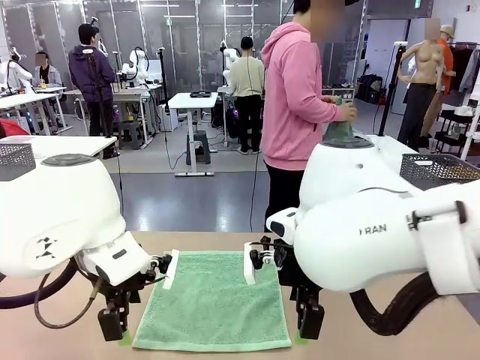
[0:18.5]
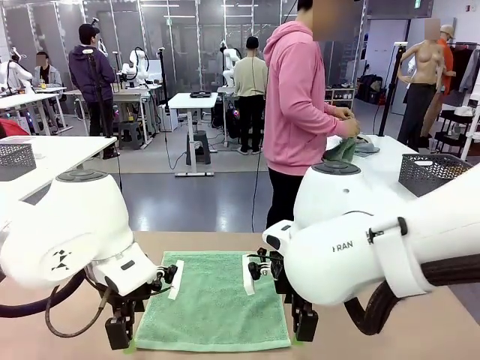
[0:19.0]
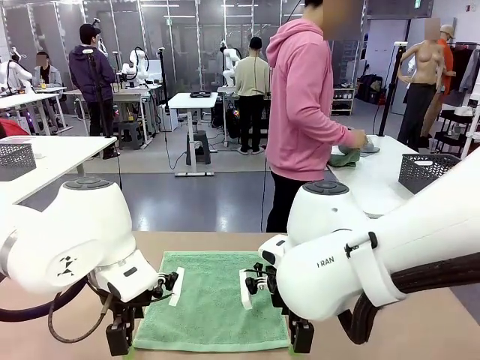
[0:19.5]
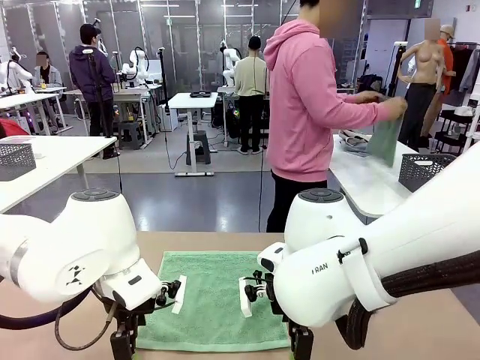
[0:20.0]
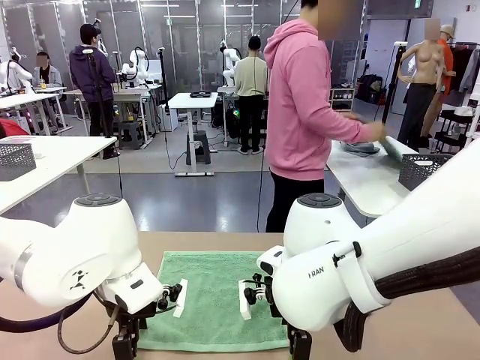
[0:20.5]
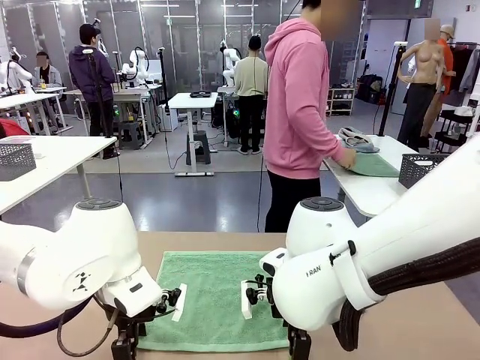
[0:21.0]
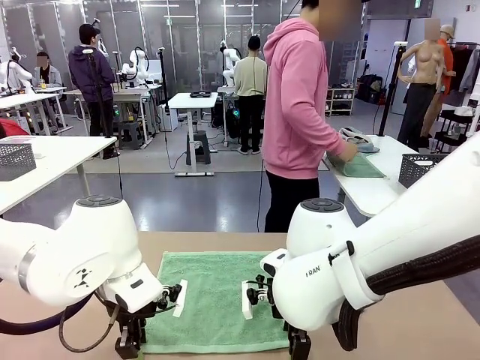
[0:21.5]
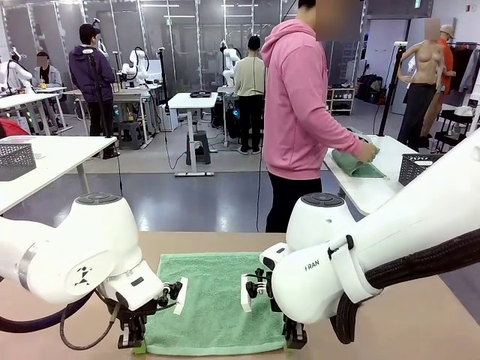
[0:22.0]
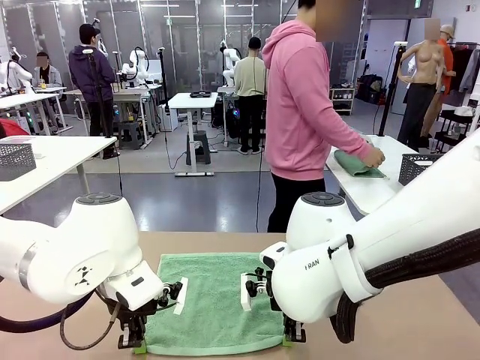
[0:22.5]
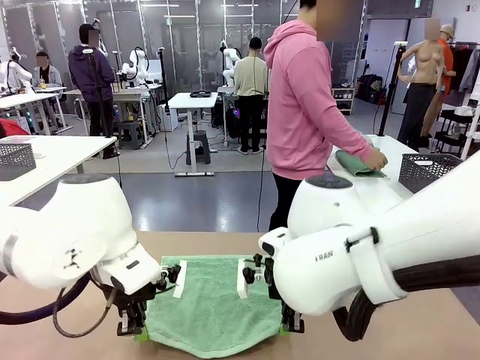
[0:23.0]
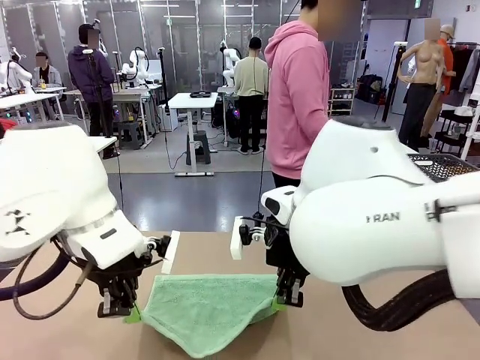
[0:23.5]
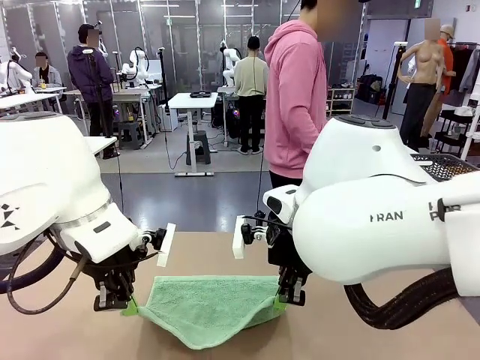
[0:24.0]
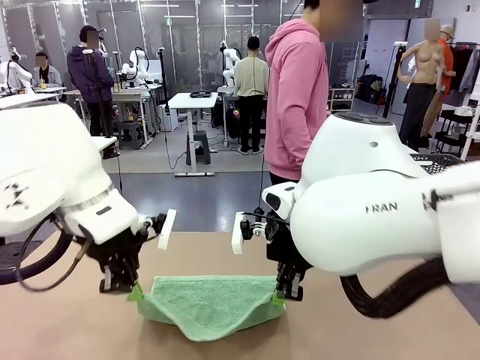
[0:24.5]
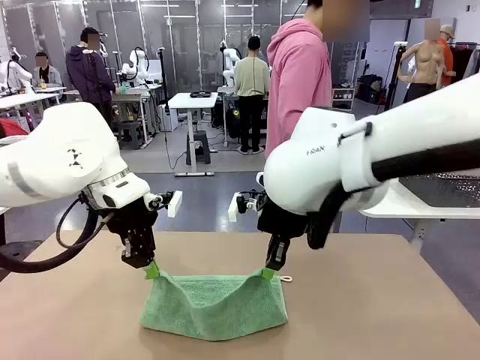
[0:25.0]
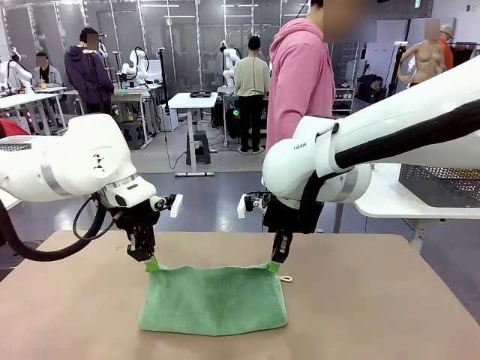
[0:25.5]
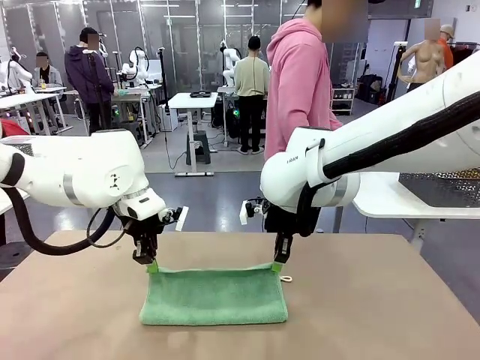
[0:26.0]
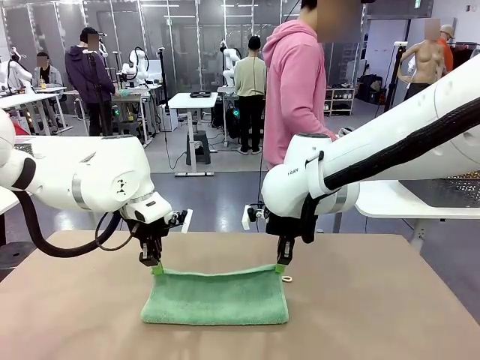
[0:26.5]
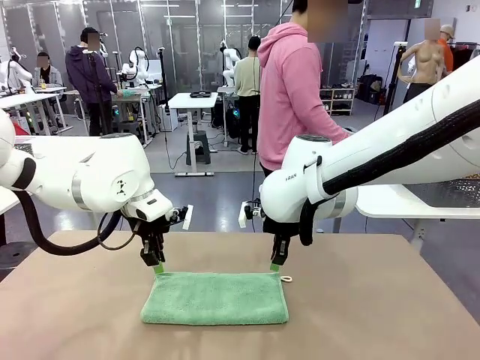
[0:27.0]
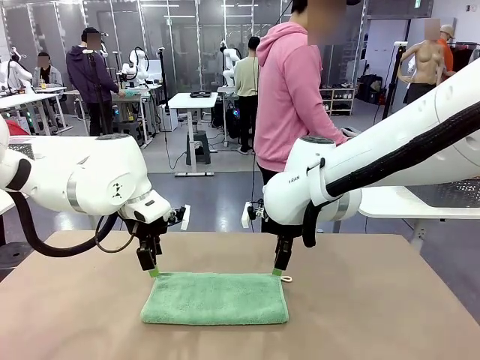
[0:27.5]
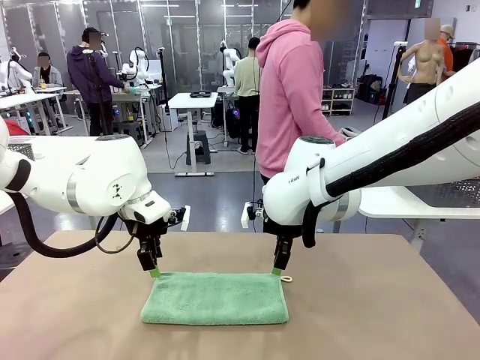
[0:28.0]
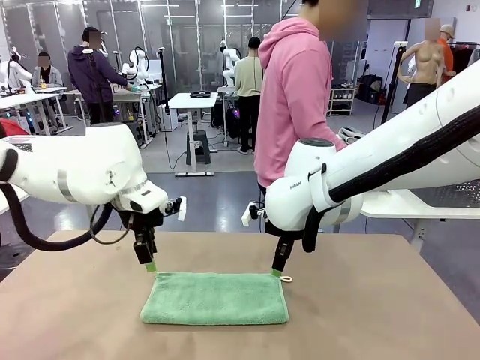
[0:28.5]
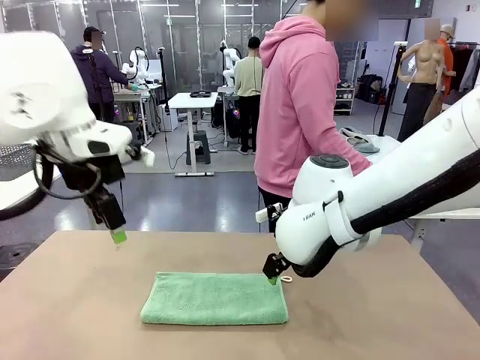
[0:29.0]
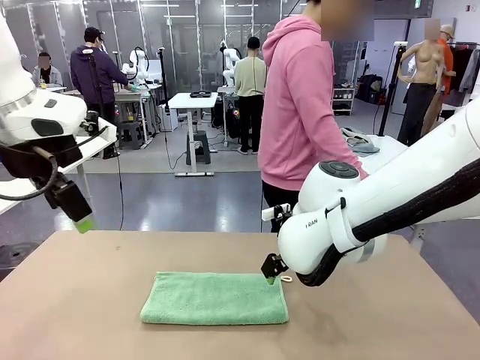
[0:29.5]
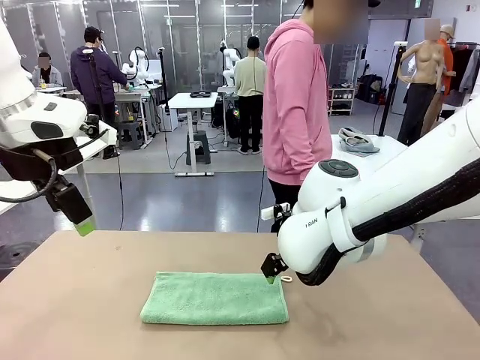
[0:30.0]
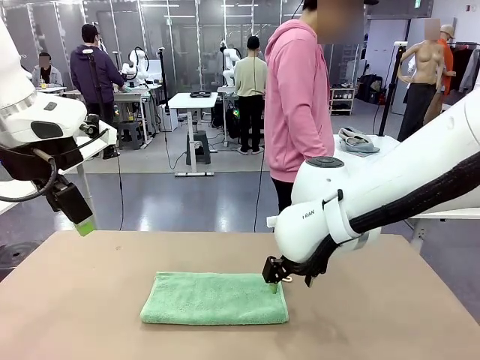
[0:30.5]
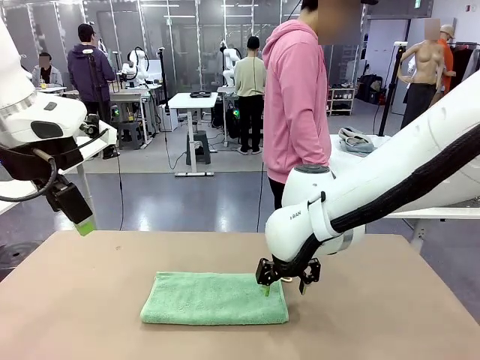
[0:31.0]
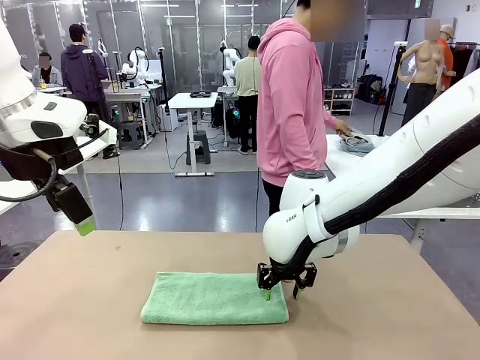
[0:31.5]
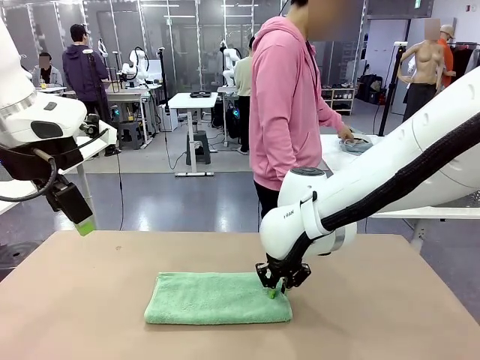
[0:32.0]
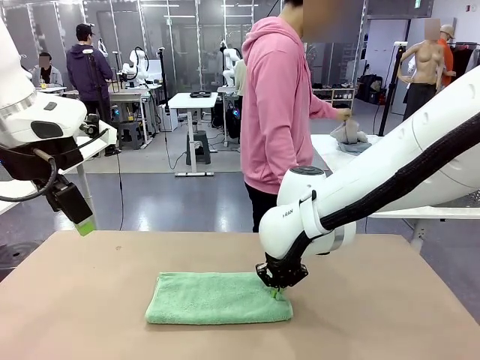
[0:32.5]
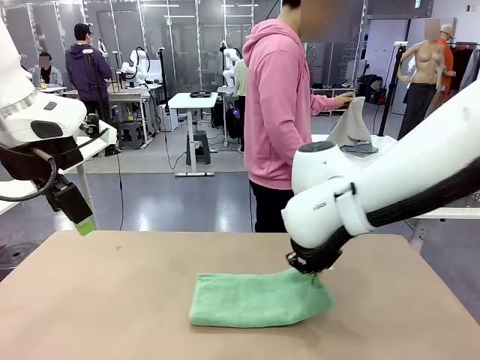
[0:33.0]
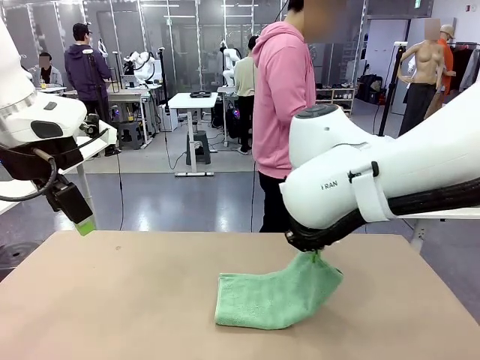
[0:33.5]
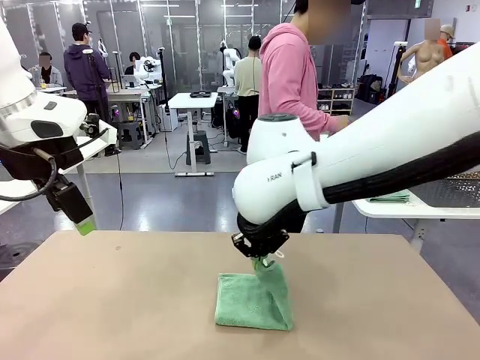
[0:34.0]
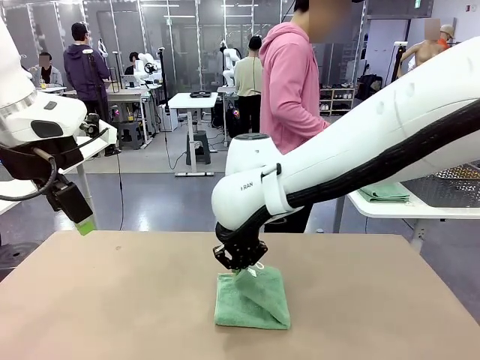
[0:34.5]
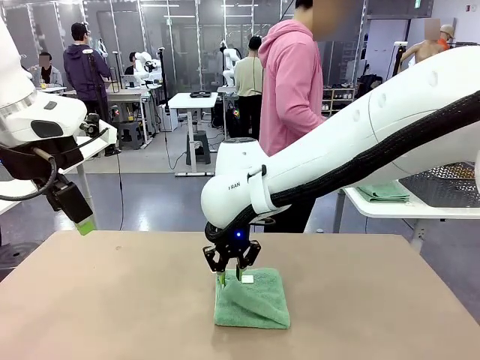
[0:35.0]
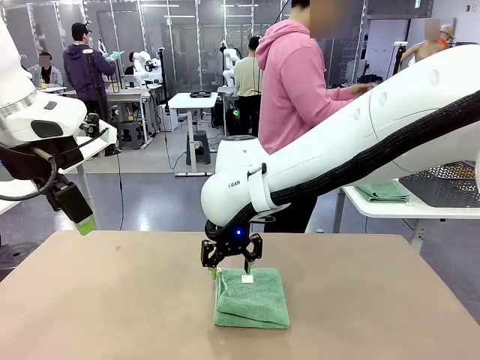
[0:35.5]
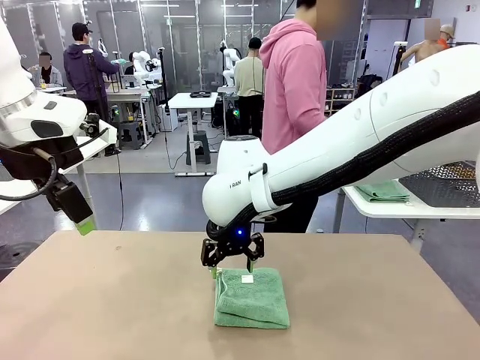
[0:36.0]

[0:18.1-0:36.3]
Task: Fold the towels and place them in the basket.
Robot: When a person lays out a Towel with hook on the table, fold it in half twice.
Person: Pick up one towel from the left side of the human table, fold it in half twice, and place it on the right side of the table.

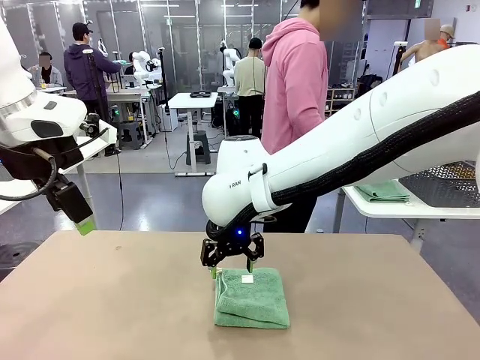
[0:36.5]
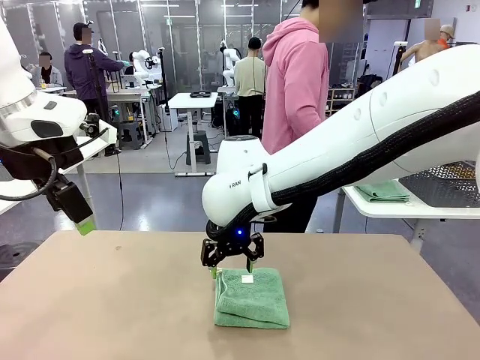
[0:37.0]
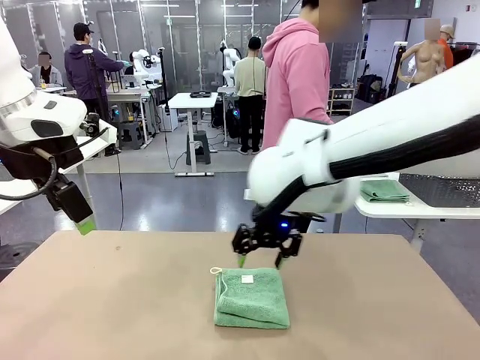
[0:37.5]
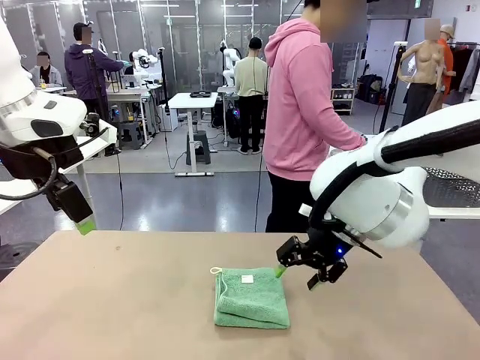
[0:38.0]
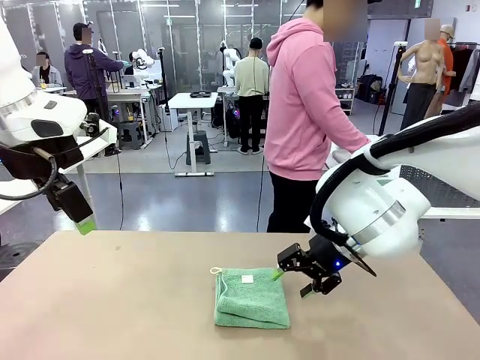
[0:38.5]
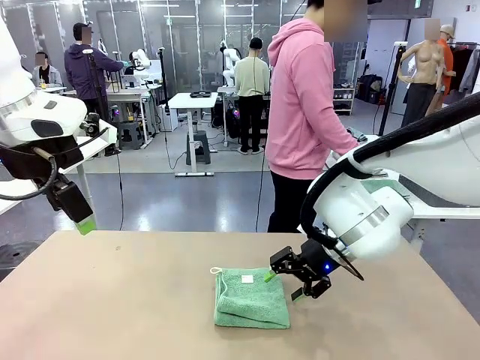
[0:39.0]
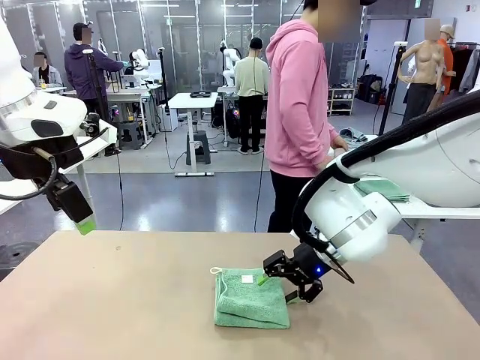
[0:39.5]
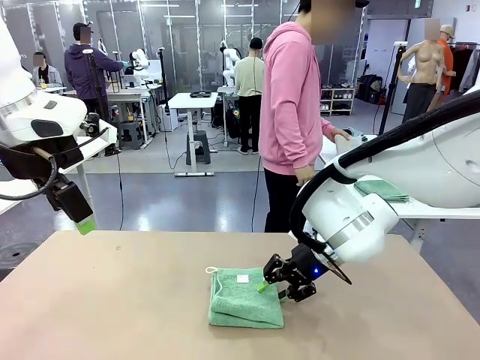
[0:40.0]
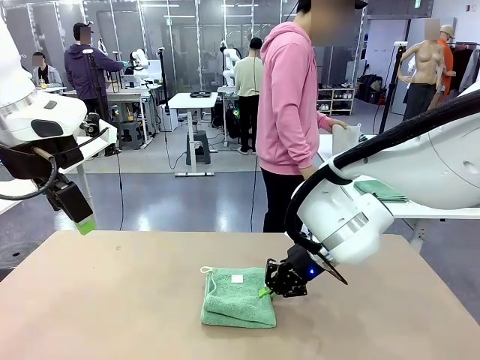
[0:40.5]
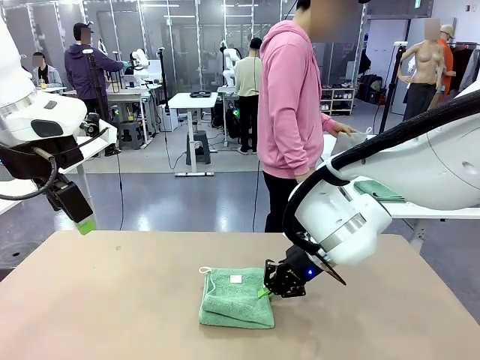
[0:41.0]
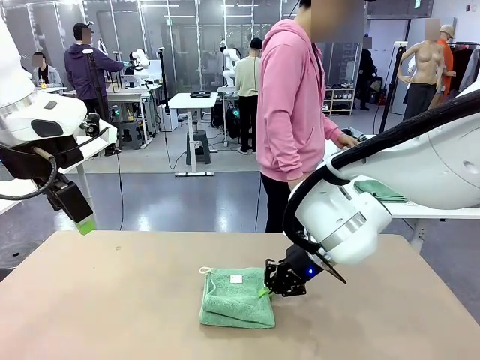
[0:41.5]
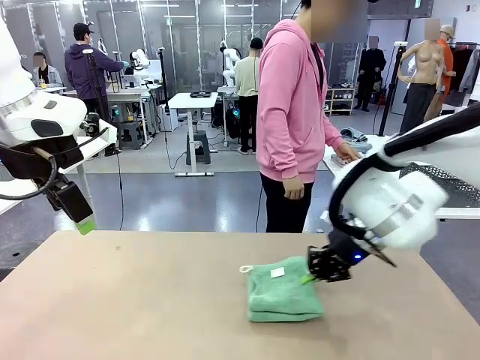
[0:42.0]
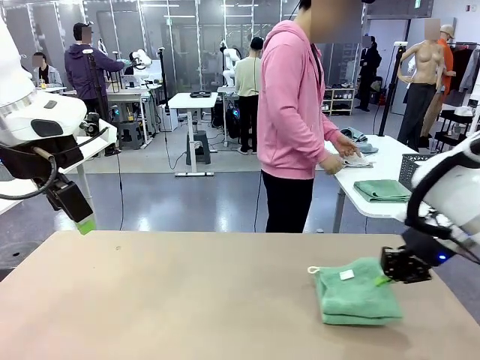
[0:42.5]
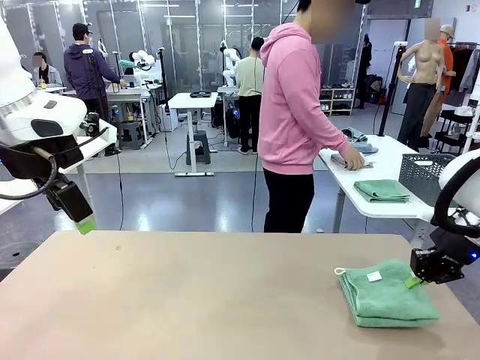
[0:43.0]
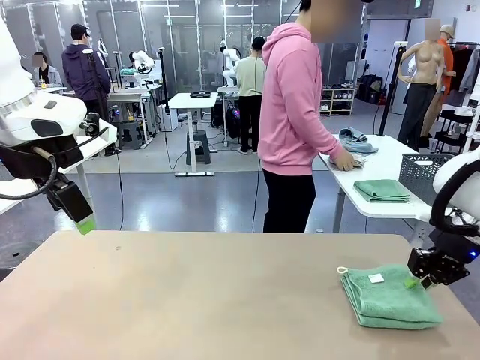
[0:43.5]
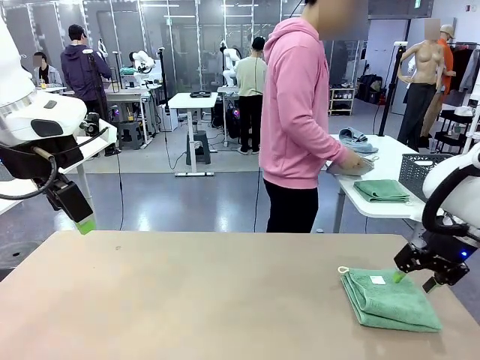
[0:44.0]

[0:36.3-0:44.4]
Robot: Place the folded Towel with hook on the right side of the table.
Person: Pick up one towel from the left side of the human table, fold it in half twice, and stack it on the right side of the table.
